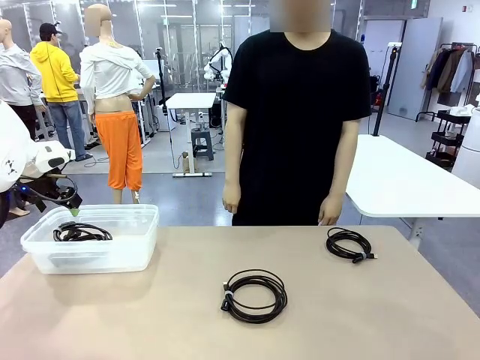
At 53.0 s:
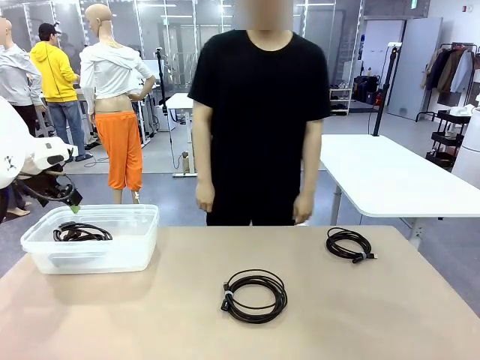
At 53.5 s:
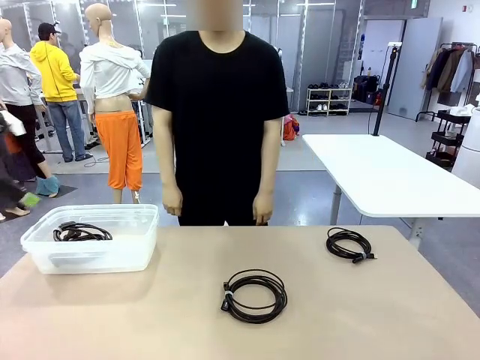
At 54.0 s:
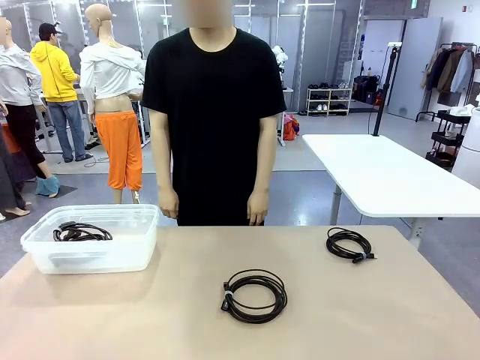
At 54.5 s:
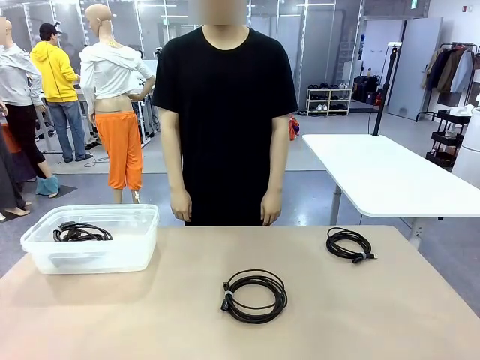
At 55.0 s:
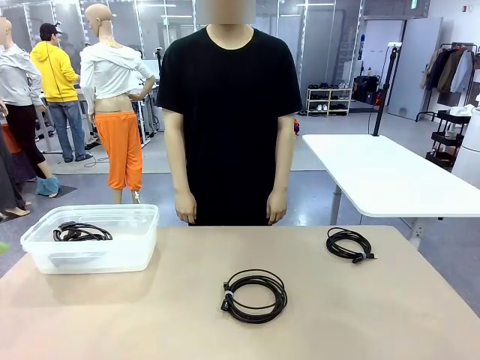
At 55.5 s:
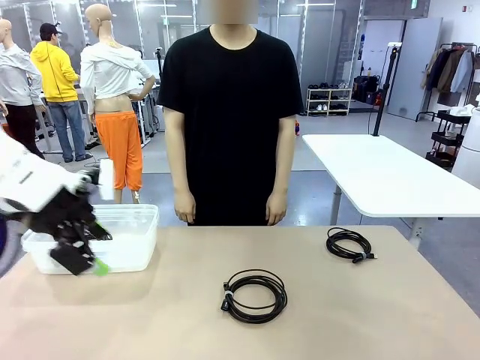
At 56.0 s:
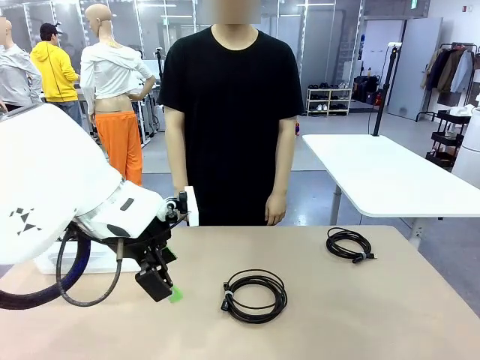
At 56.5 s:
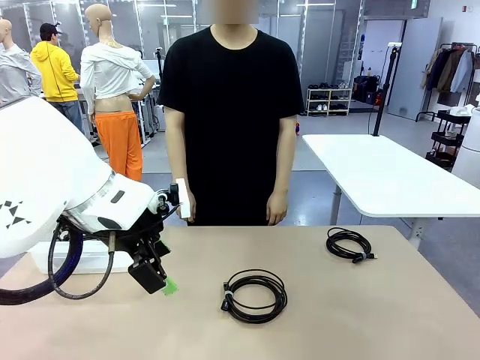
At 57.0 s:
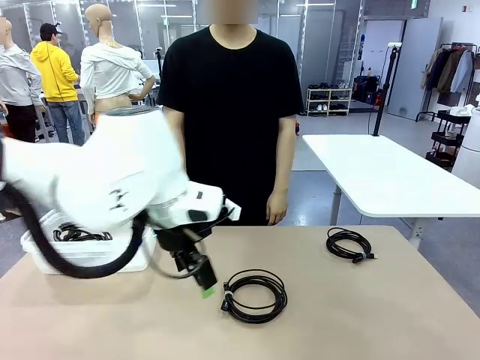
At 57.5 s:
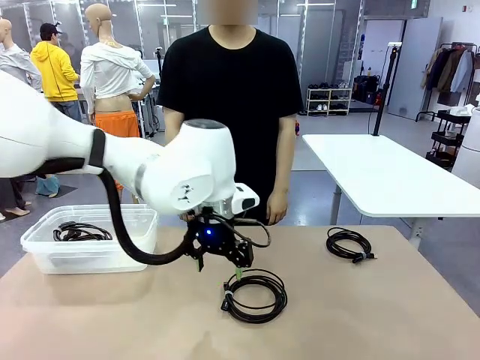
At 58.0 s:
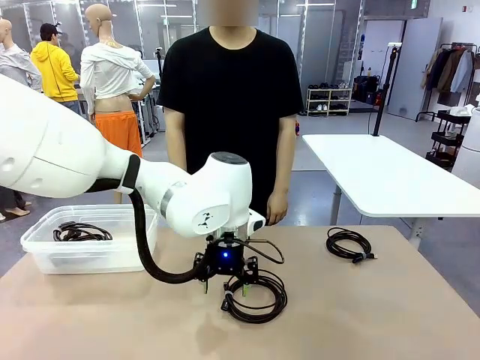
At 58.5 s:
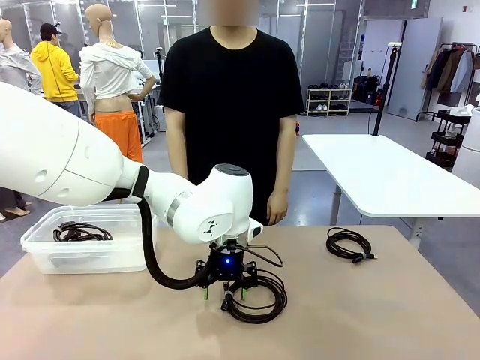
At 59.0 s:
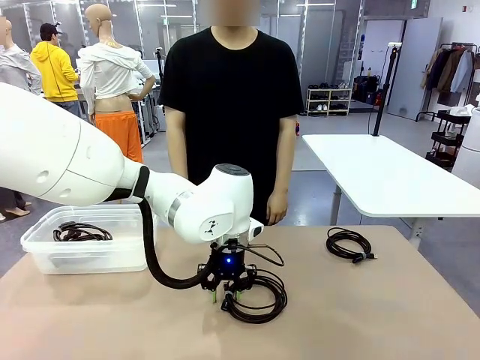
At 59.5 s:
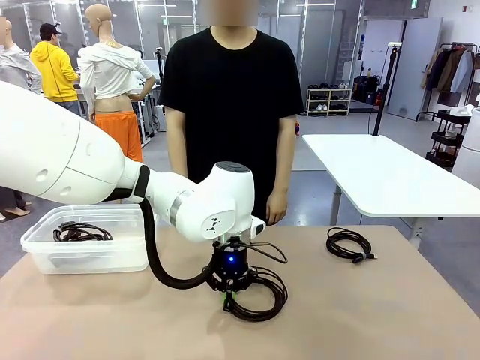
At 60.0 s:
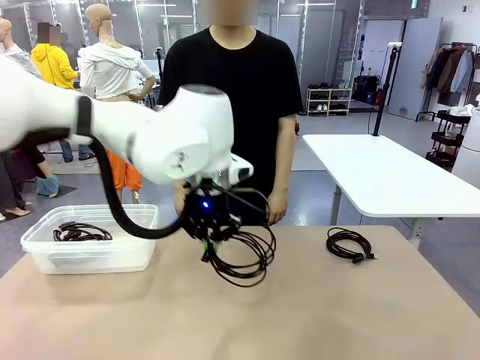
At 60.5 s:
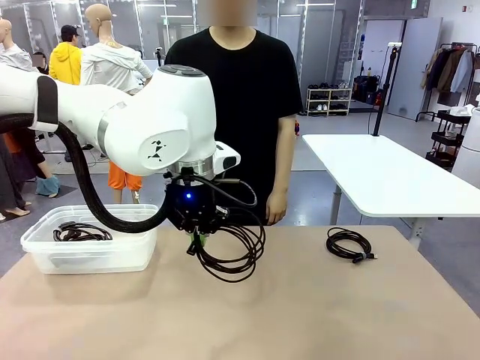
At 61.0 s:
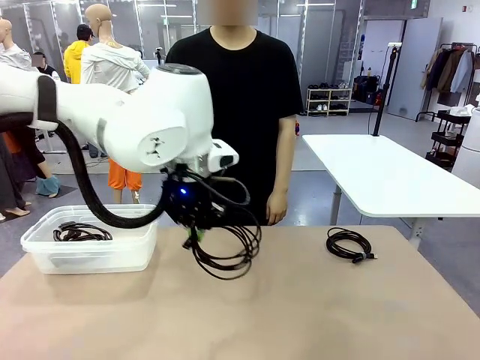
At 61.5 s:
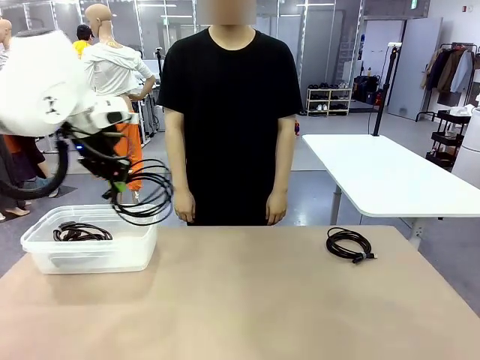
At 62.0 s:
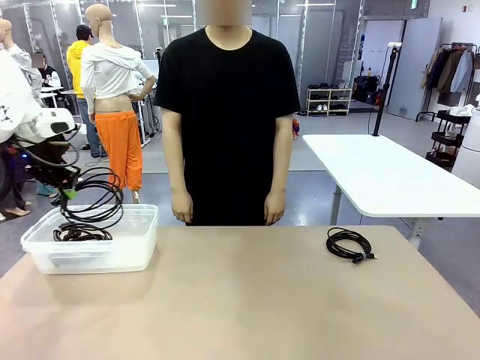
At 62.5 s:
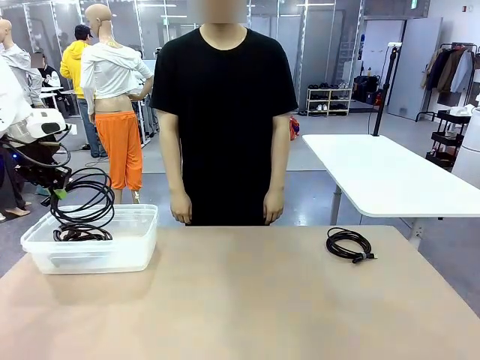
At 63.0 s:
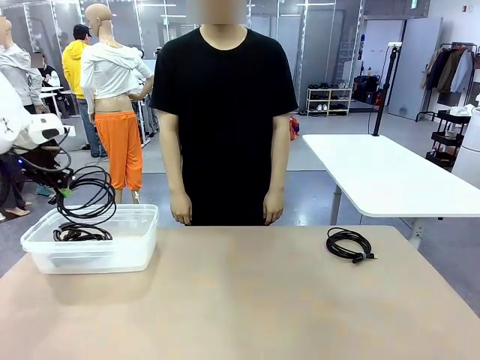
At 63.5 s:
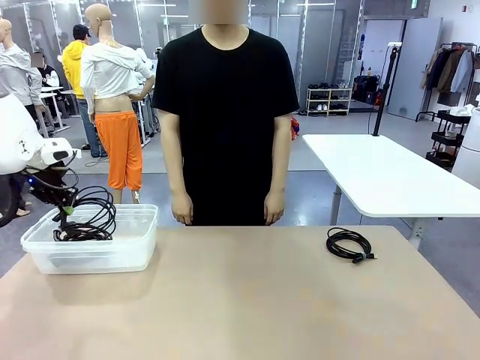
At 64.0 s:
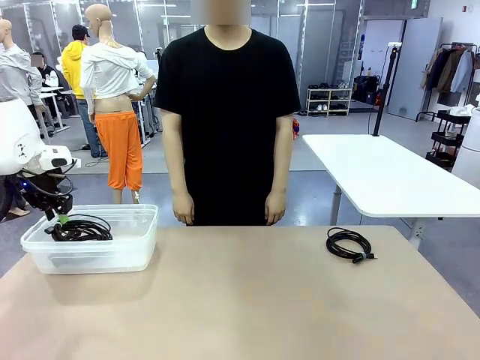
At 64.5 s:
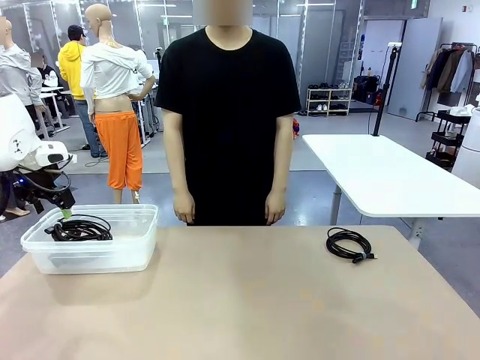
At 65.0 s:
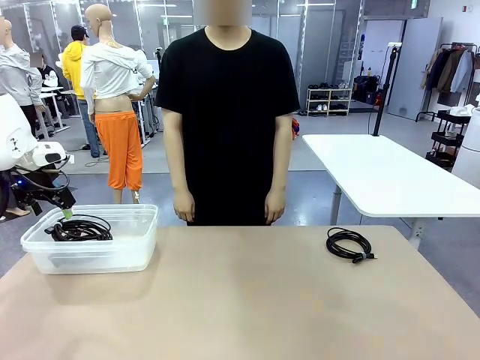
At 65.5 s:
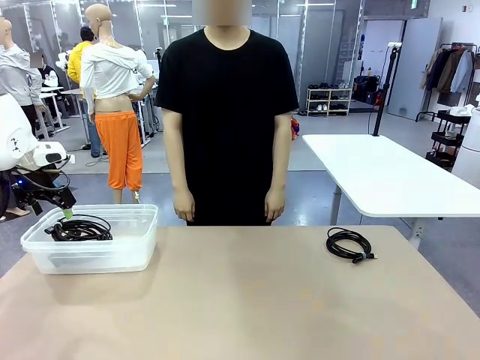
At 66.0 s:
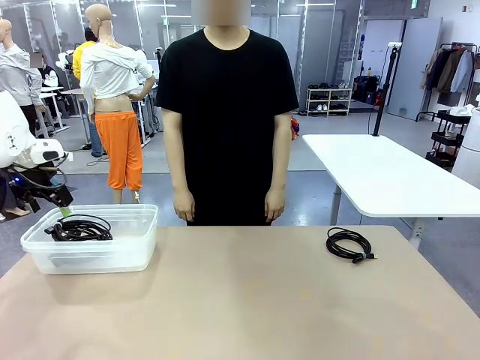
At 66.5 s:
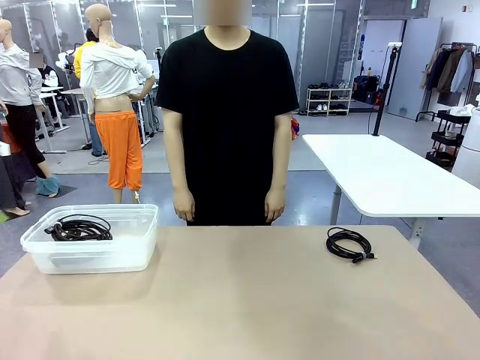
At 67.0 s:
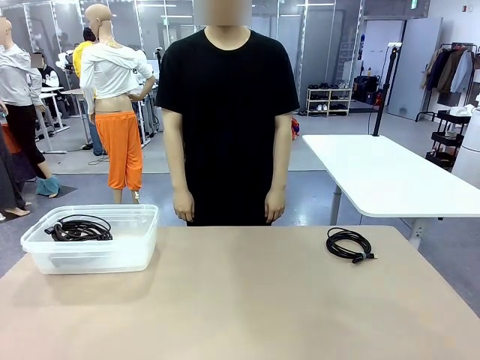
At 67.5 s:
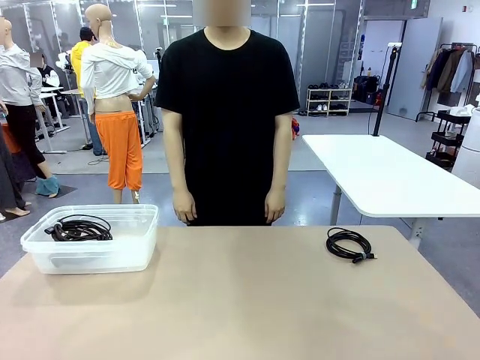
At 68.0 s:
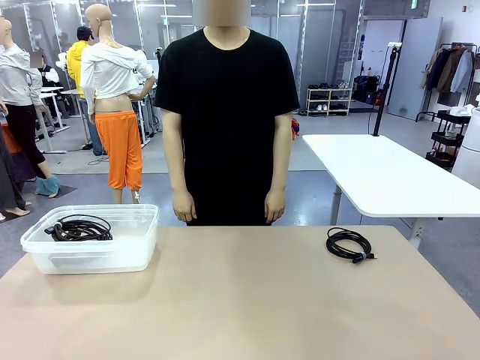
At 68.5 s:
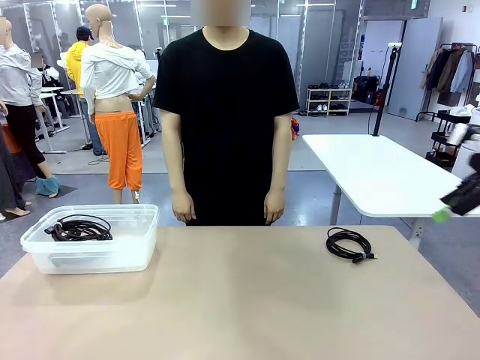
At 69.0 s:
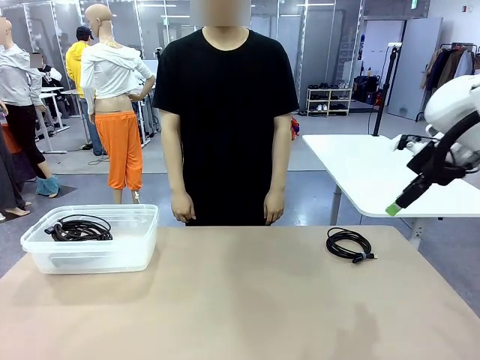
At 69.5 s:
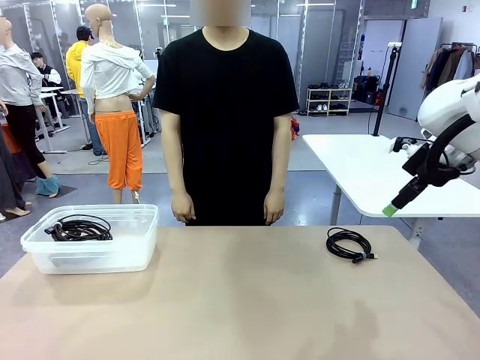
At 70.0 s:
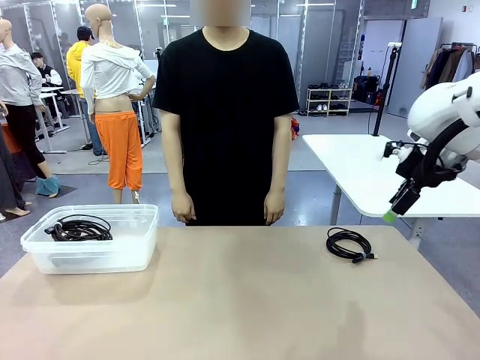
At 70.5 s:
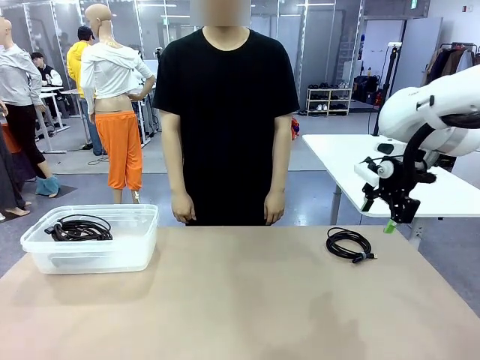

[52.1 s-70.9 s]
Task: Organize and store the cables.
Robot: Place the USB Extension Cable into the Organizing box.

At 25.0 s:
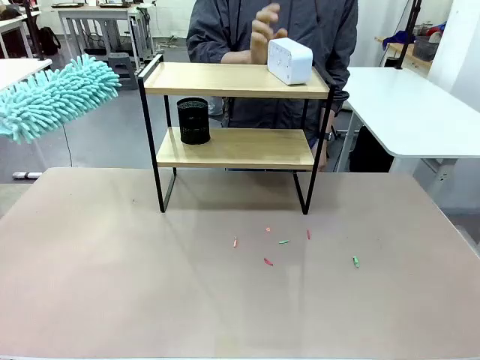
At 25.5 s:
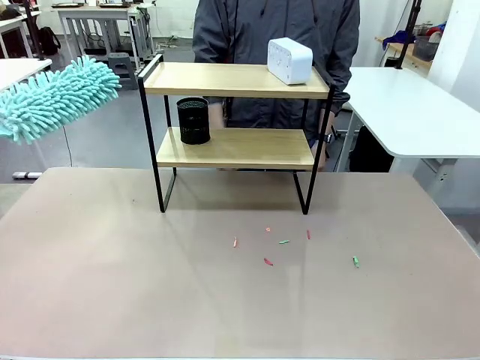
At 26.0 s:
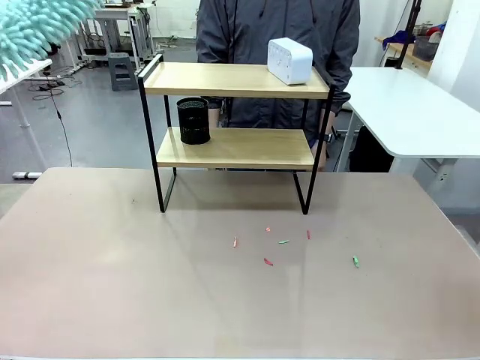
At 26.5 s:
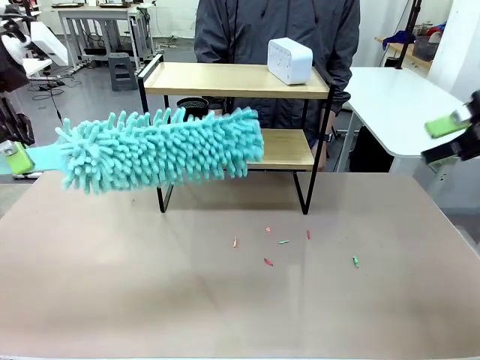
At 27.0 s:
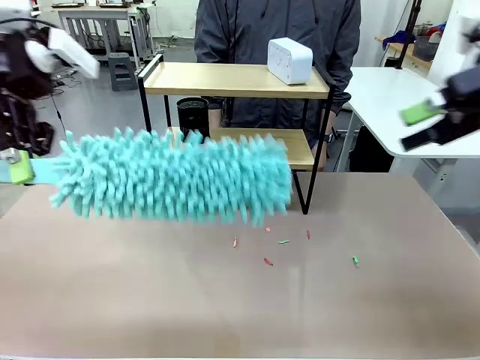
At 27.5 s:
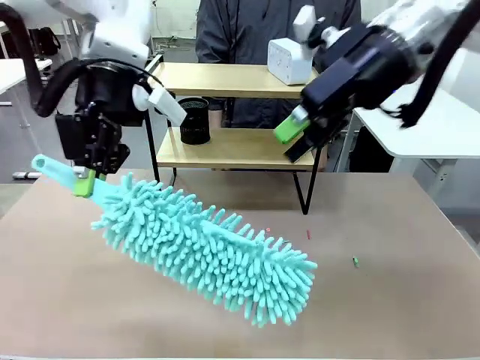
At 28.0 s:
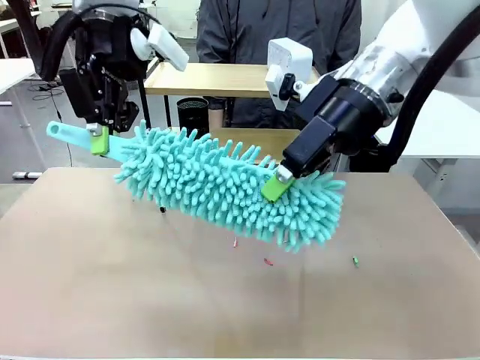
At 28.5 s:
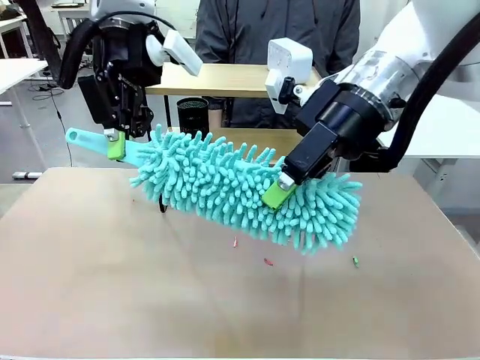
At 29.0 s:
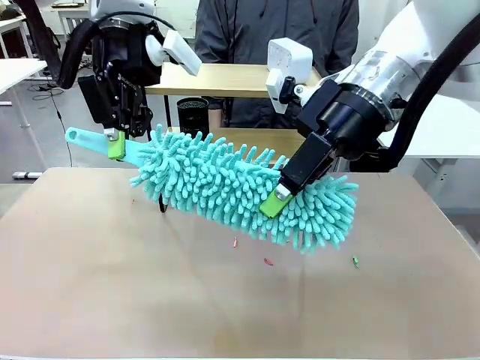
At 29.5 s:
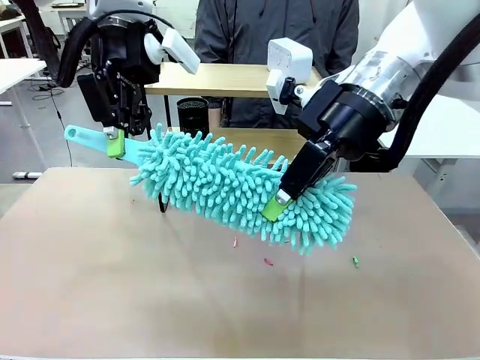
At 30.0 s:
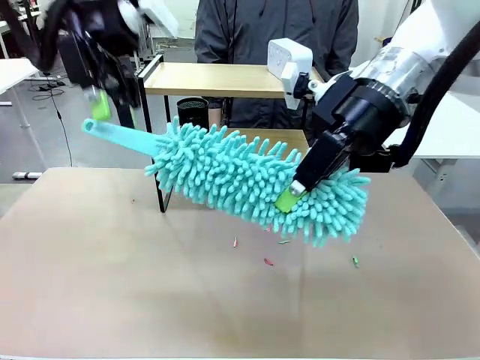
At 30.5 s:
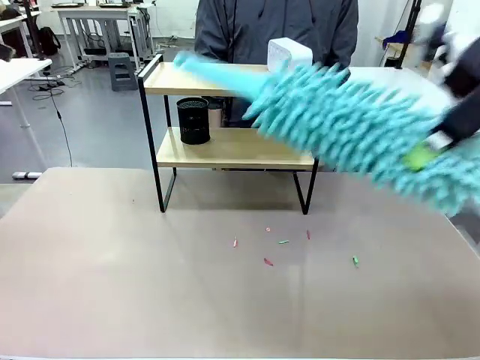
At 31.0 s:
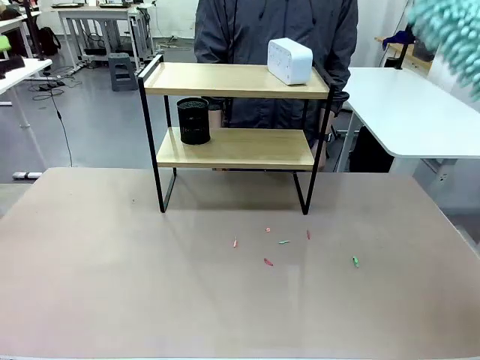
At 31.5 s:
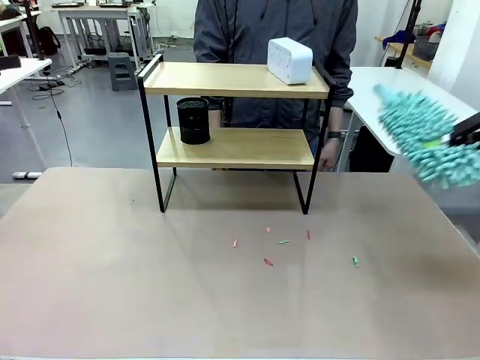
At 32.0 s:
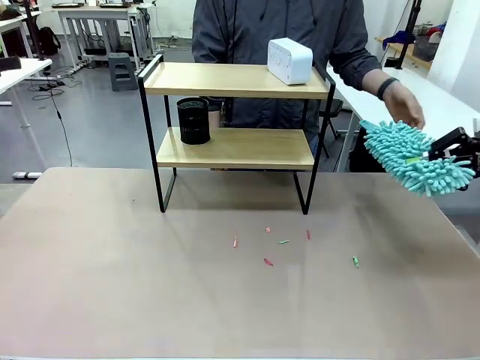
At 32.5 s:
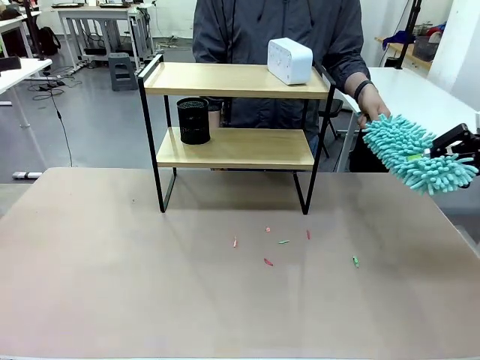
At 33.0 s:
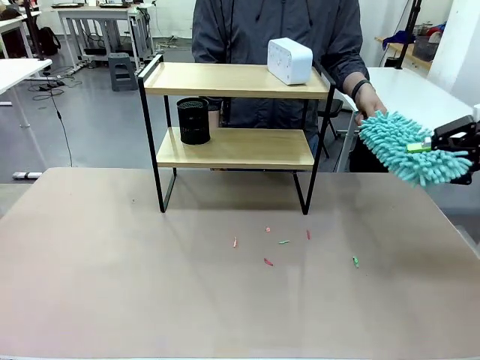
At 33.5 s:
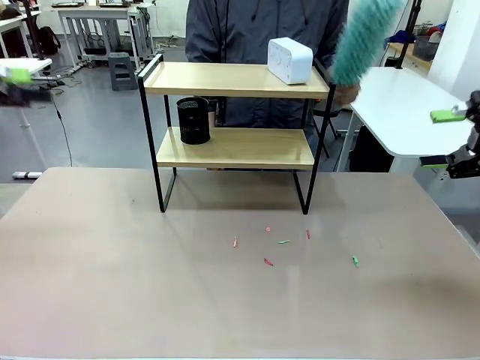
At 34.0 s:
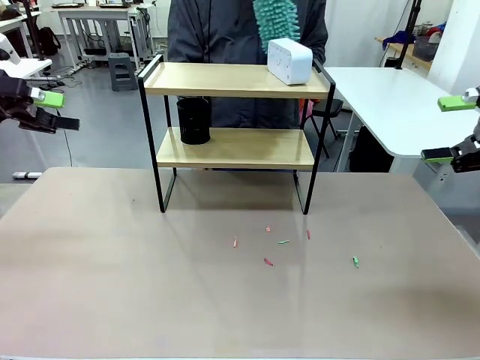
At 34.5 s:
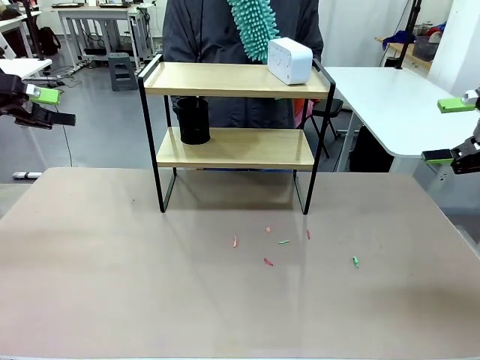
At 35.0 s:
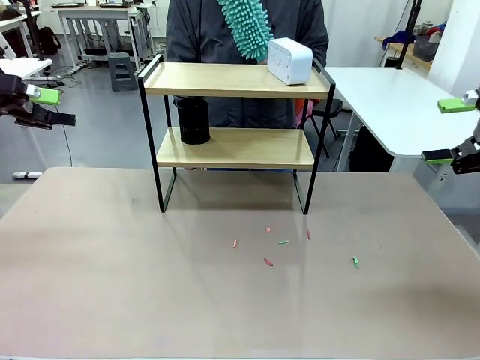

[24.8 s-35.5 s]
Task: Clean the shelf.
Robot: Hand the Duster back to the human.
Person: Receive the Duster from the robot.
